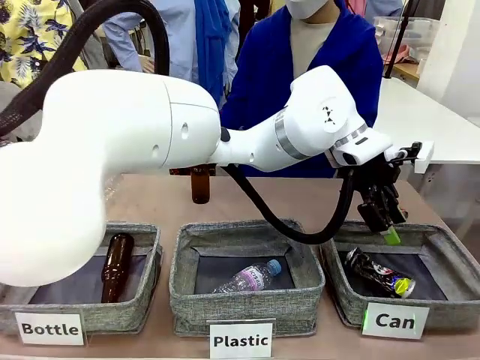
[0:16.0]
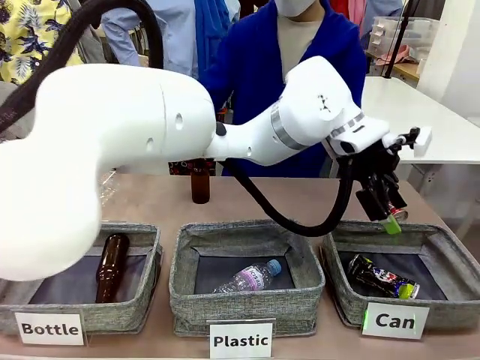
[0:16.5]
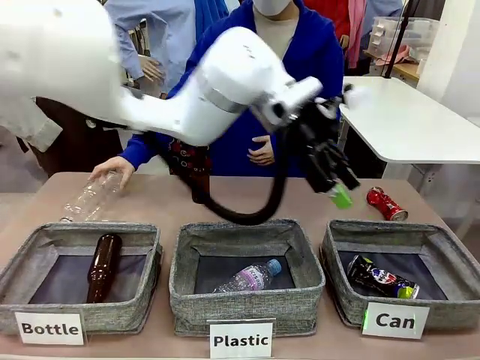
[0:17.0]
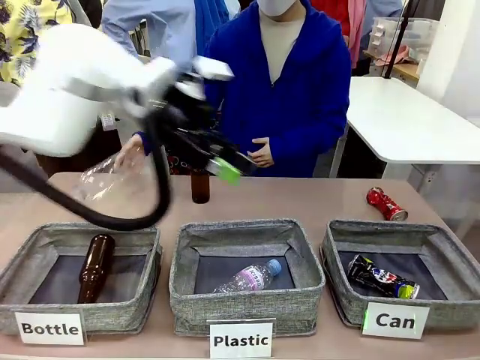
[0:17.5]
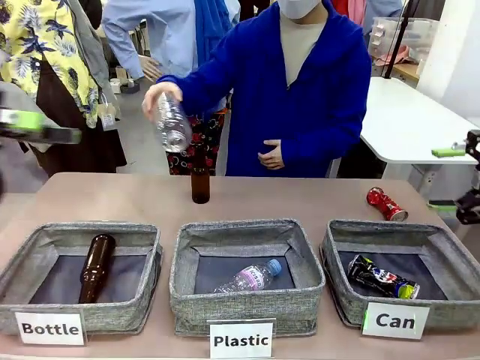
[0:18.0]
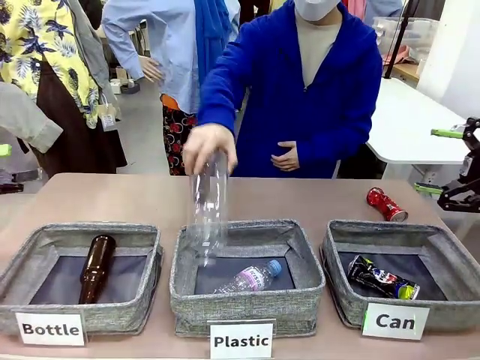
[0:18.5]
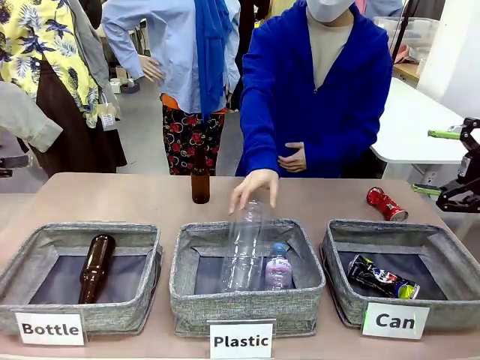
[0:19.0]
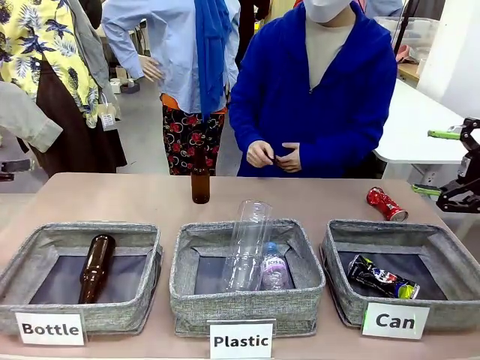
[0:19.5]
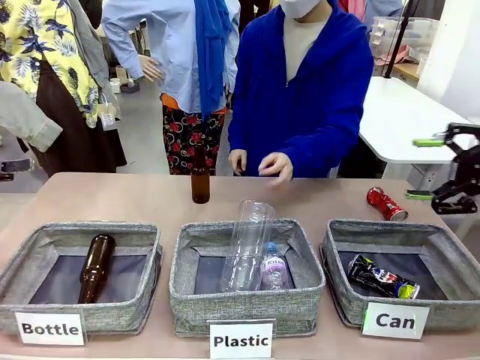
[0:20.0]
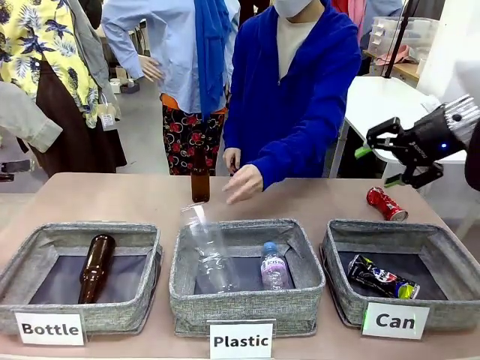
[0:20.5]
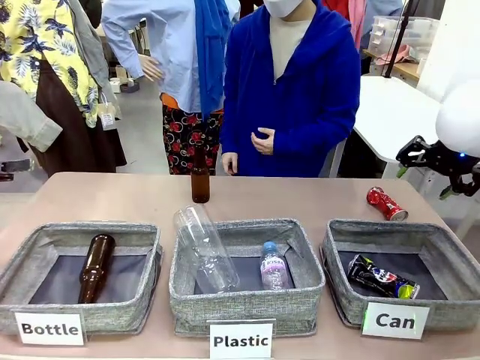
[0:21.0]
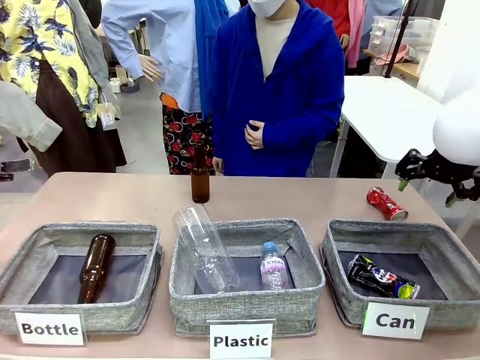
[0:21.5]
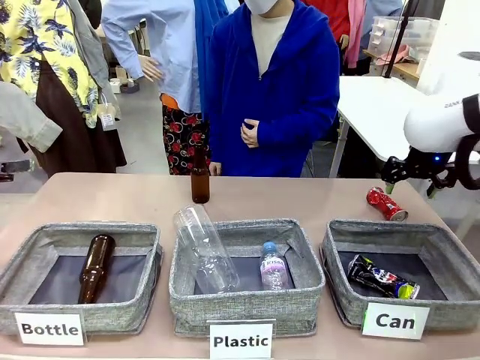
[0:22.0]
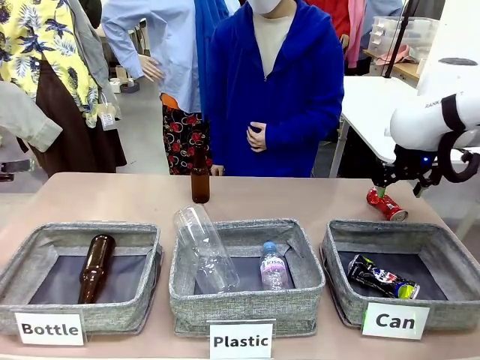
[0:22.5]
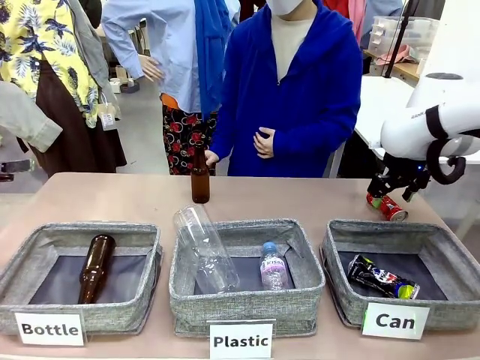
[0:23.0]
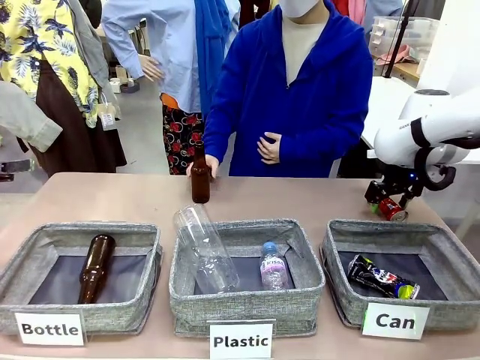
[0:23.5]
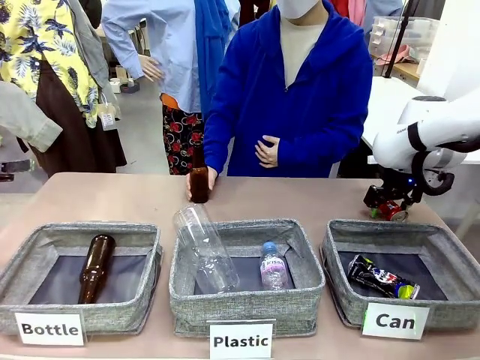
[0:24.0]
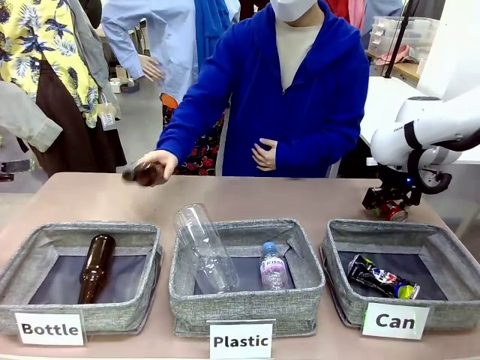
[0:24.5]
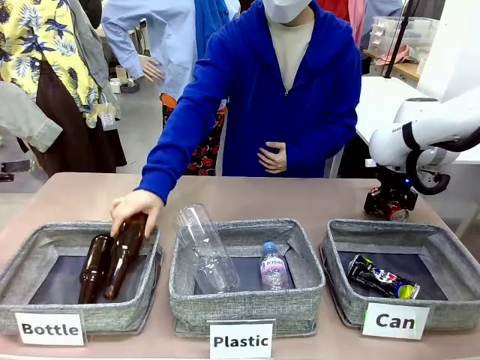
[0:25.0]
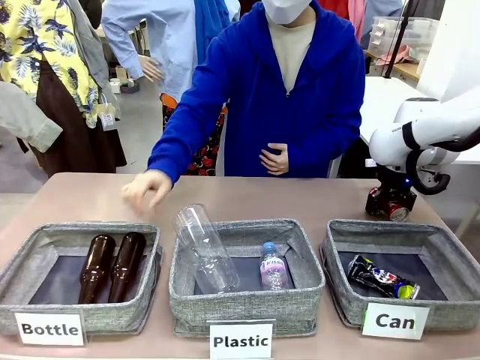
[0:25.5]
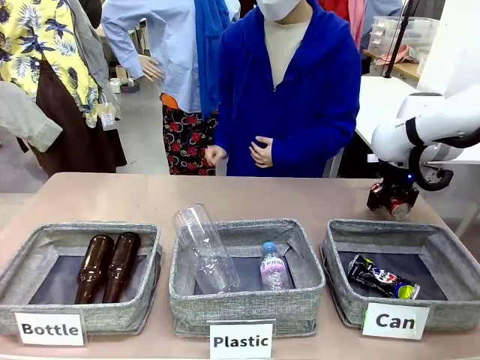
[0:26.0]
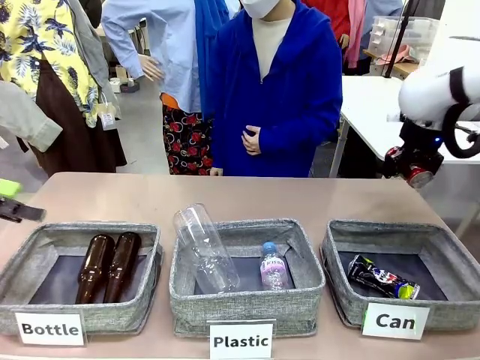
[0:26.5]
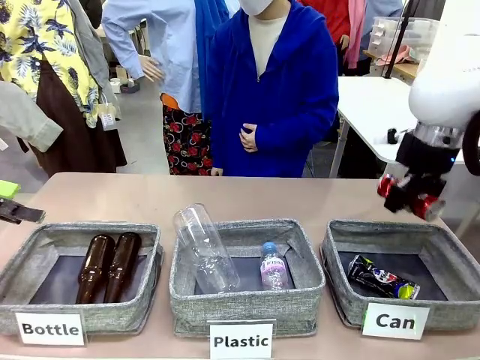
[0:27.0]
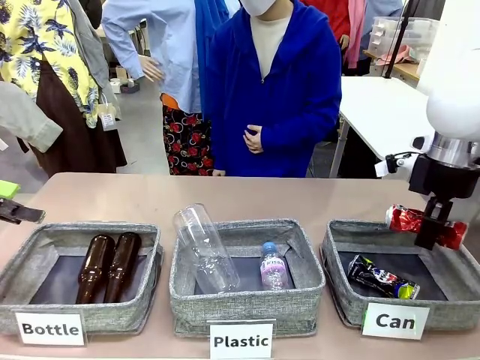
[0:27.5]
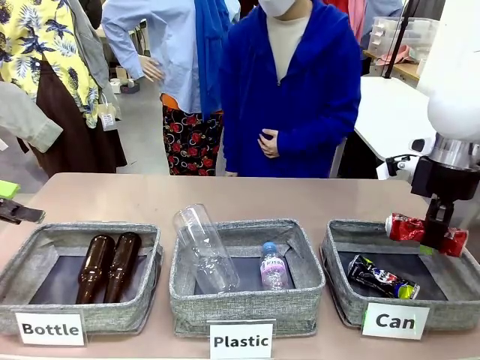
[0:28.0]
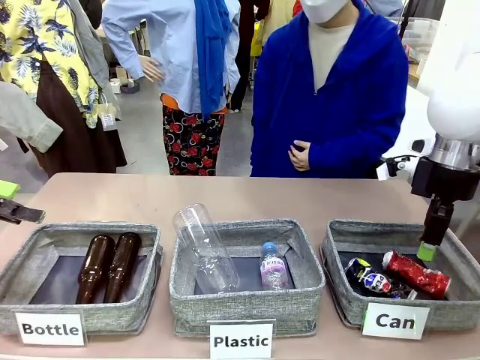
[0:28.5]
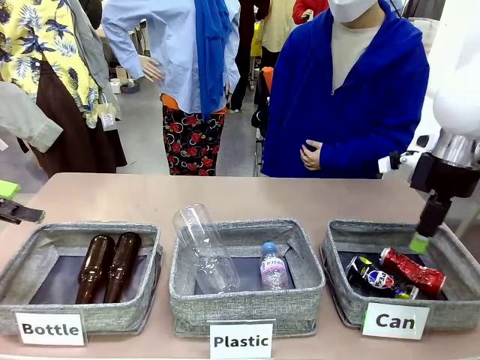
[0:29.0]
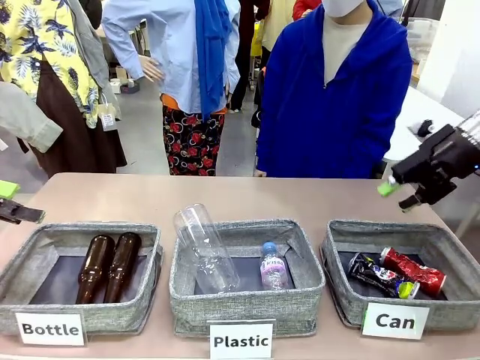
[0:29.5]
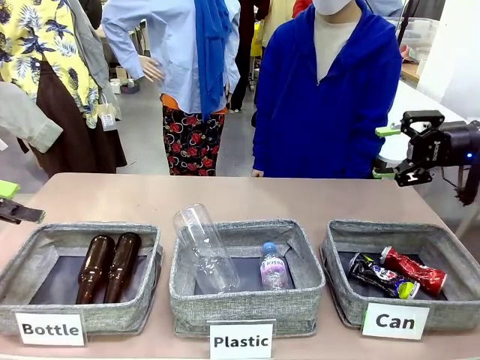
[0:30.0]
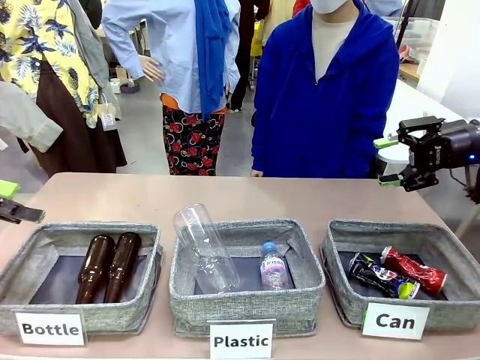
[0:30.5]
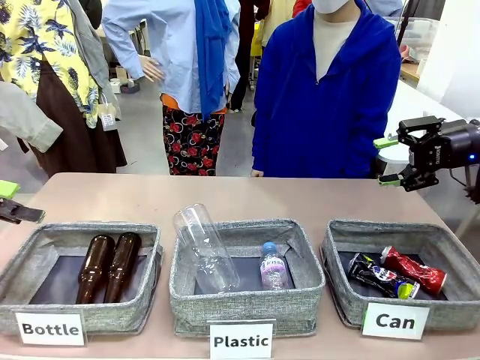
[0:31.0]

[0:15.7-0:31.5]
Task: Sort the can waste into the basket.
Robot: Pick up the can waste from the table and place it in the right Fabric basket.
Person: The human picks up one piece of trash that is not a can and places the trash into the appropriate organizing basket.

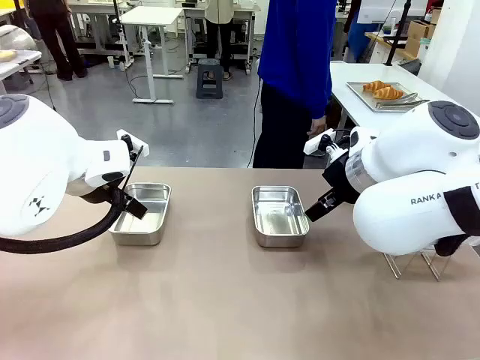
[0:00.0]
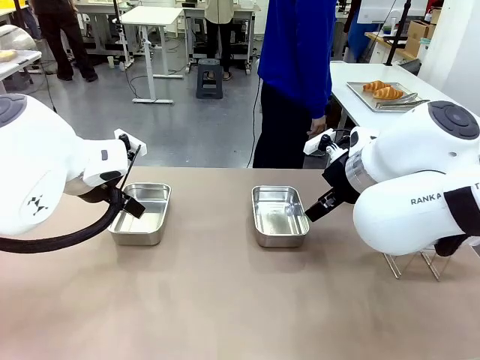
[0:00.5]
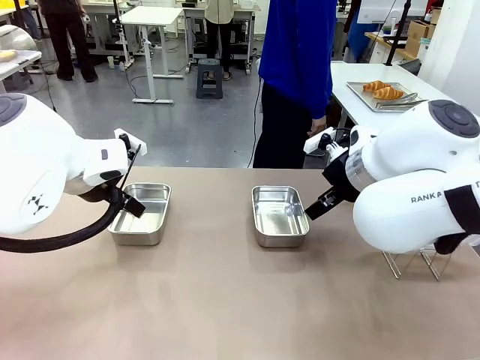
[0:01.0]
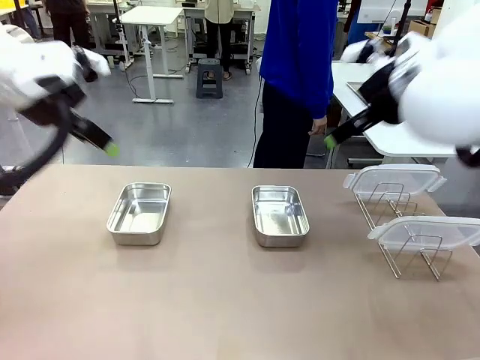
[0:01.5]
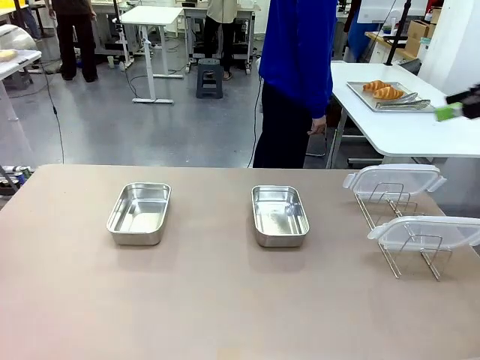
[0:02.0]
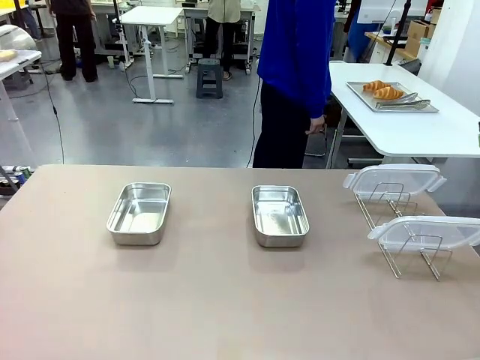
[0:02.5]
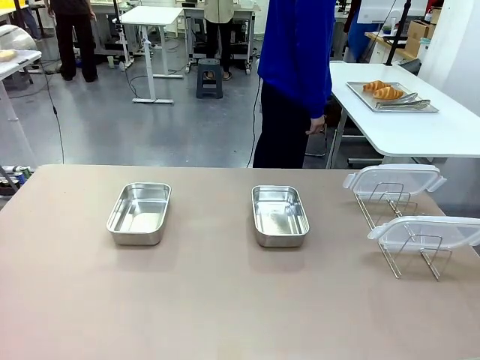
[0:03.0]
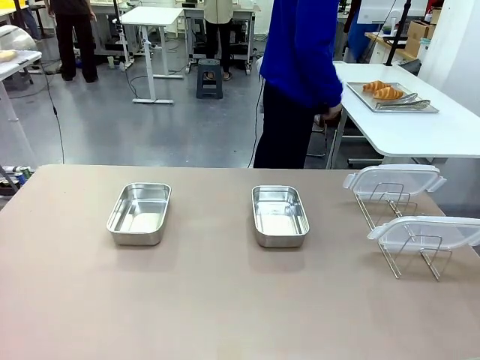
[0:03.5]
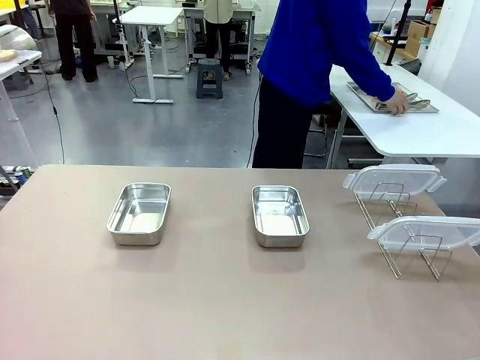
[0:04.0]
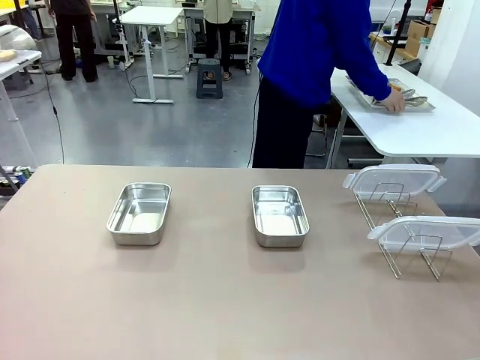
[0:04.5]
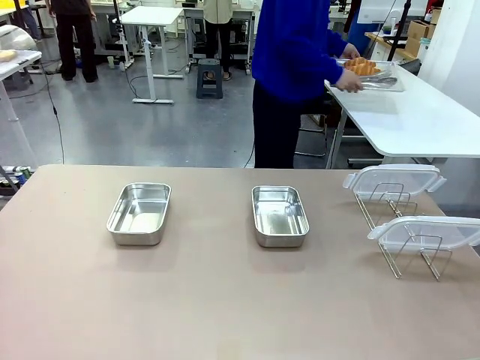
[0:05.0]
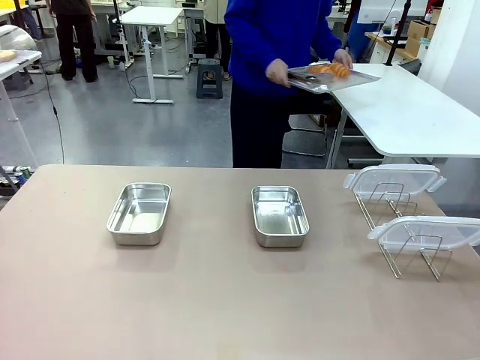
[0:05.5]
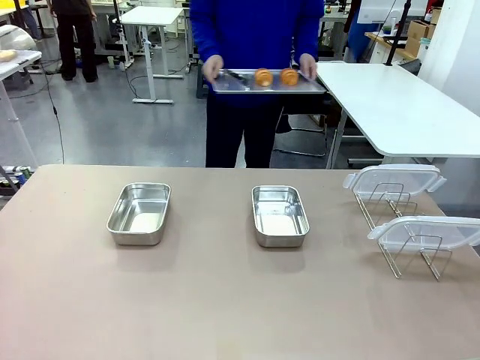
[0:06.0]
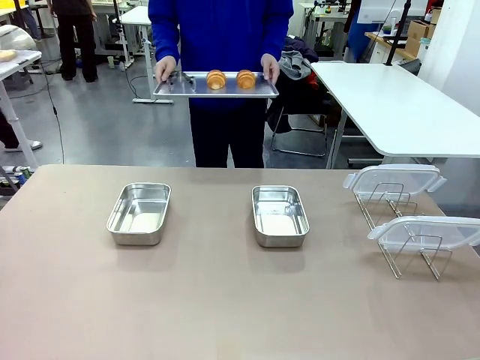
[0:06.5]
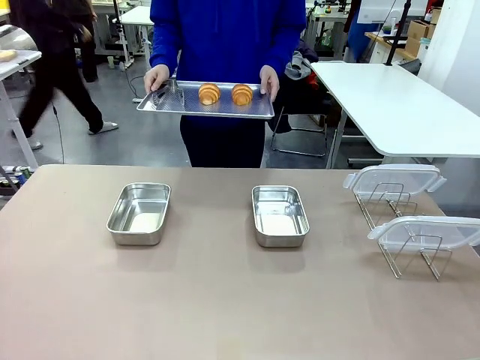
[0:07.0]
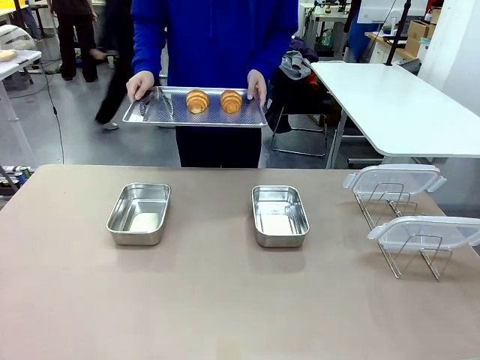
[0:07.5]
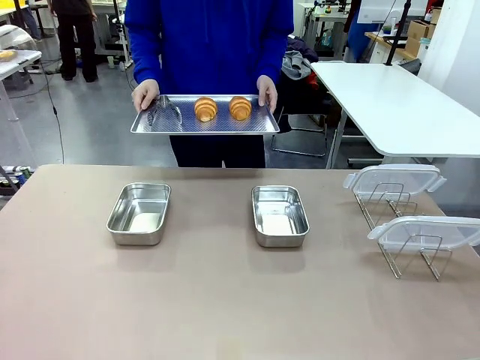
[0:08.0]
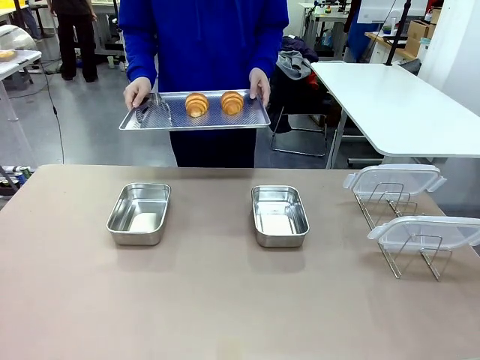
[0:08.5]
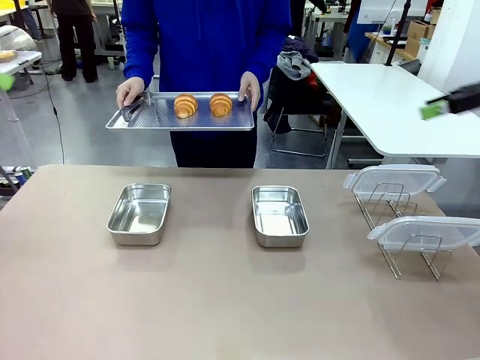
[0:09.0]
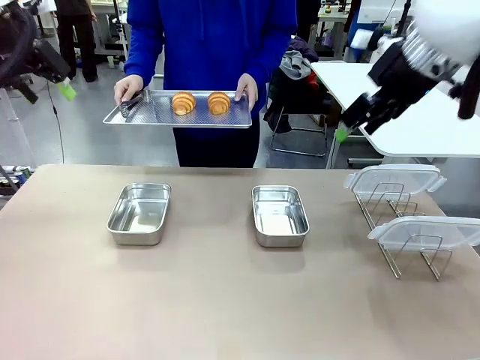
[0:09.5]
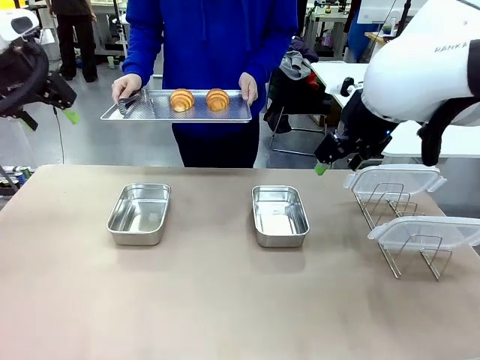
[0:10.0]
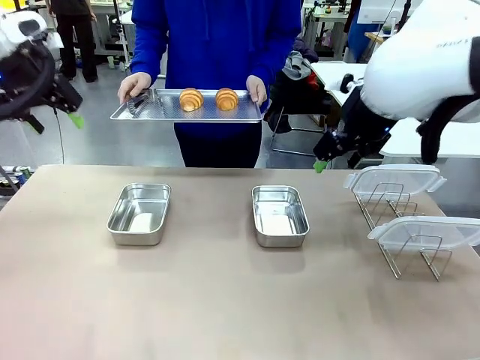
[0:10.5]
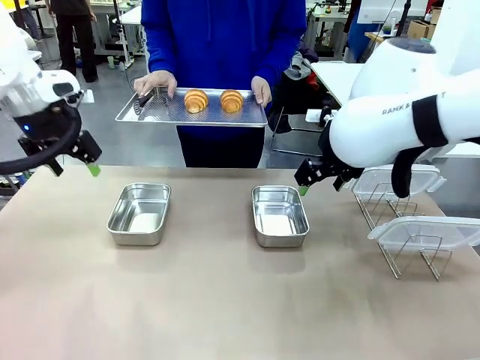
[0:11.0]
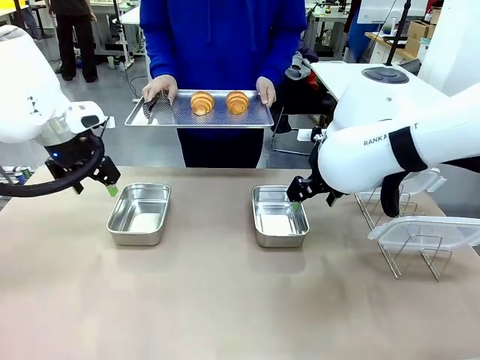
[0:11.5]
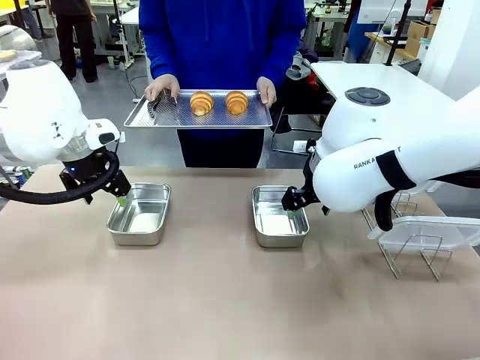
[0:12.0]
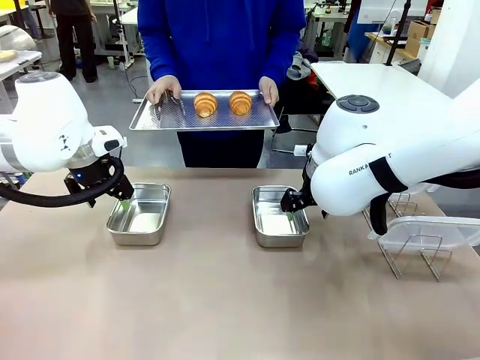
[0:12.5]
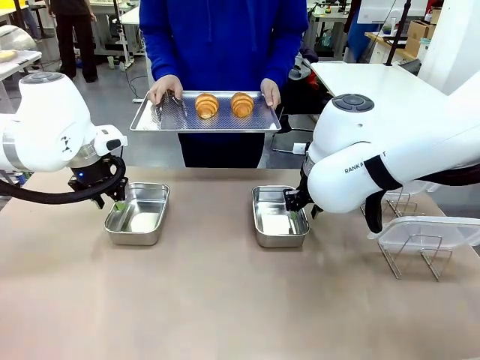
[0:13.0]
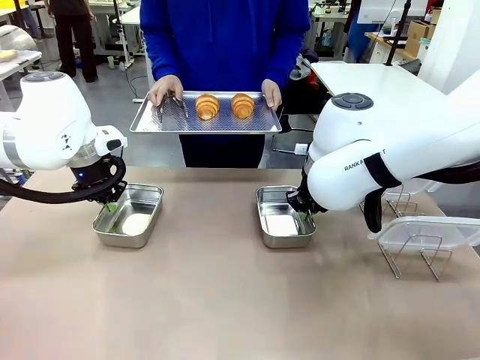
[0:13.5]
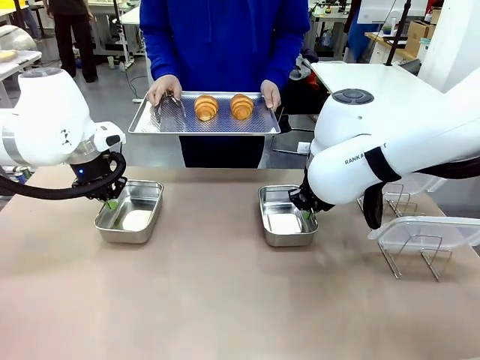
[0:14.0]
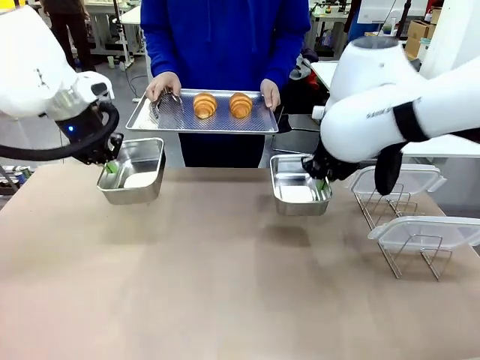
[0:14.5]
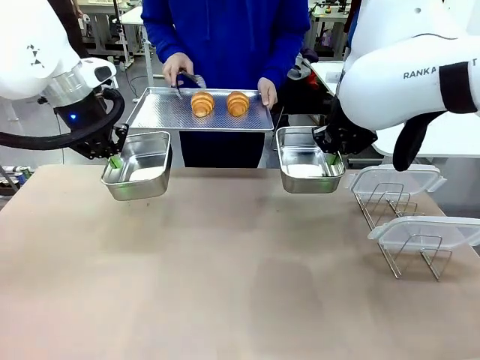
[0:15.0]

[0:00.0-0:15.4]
Task: Place the bread in airtight containers.
Robot: Lift both Airtight Container.
Person: Bring the Baking Sheet in front of Robot's Table.
